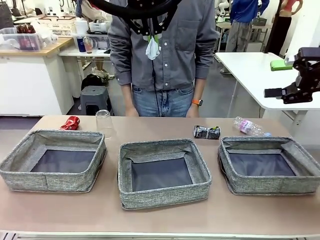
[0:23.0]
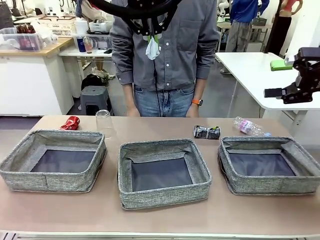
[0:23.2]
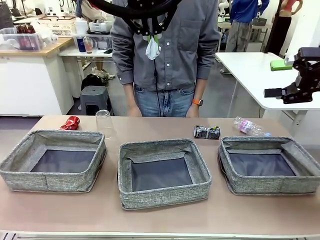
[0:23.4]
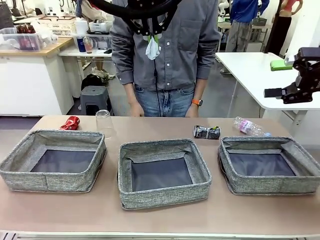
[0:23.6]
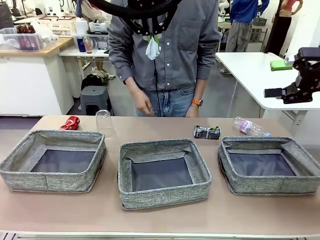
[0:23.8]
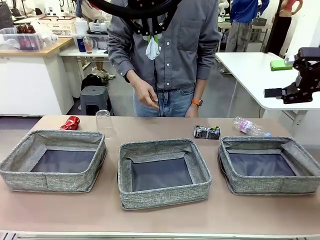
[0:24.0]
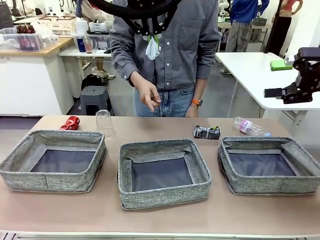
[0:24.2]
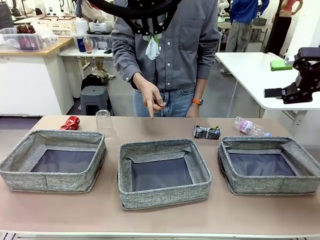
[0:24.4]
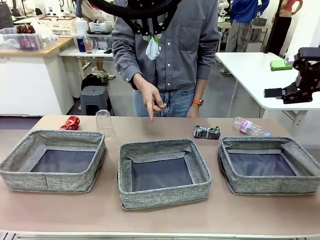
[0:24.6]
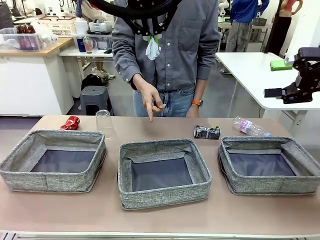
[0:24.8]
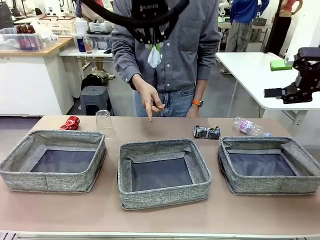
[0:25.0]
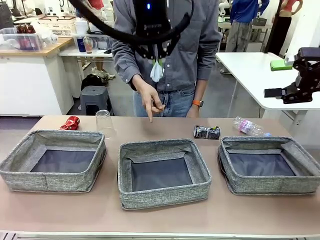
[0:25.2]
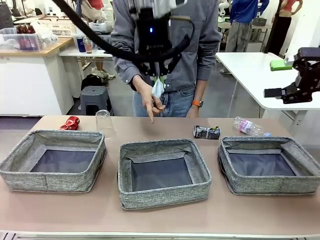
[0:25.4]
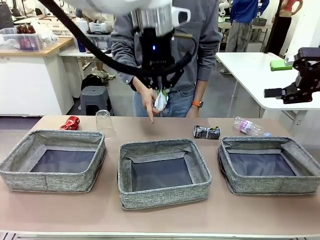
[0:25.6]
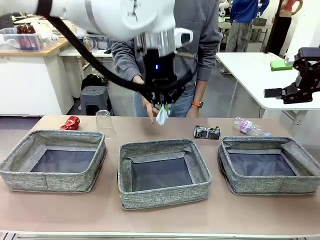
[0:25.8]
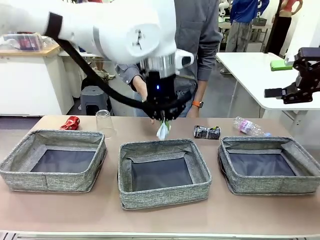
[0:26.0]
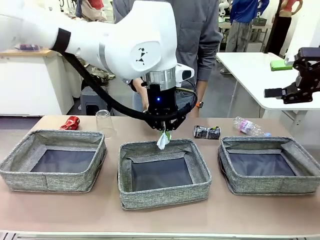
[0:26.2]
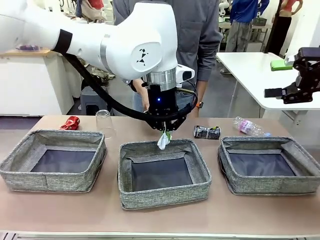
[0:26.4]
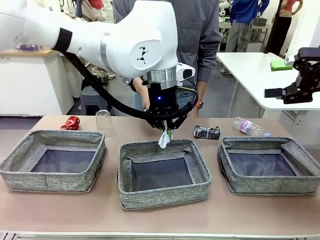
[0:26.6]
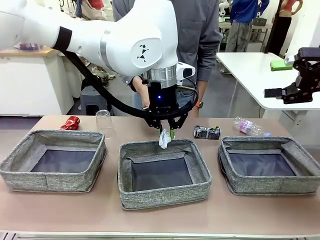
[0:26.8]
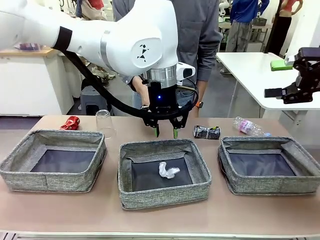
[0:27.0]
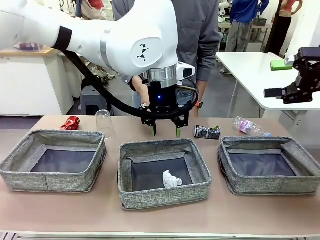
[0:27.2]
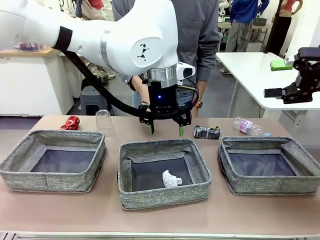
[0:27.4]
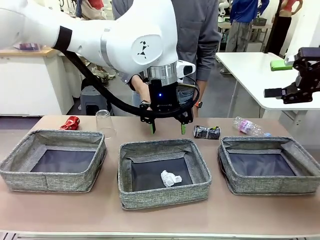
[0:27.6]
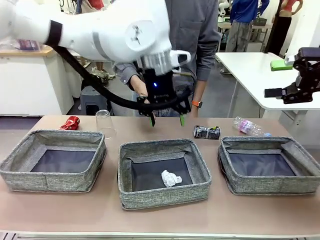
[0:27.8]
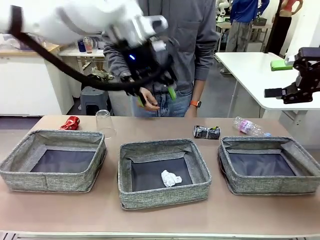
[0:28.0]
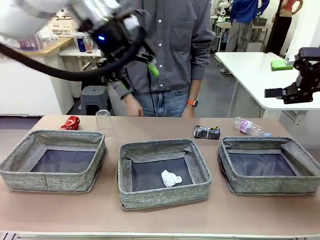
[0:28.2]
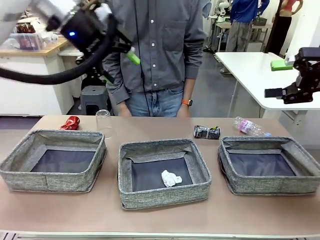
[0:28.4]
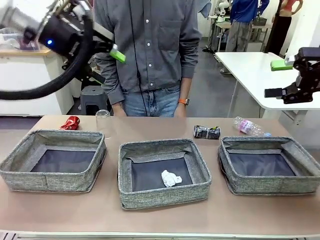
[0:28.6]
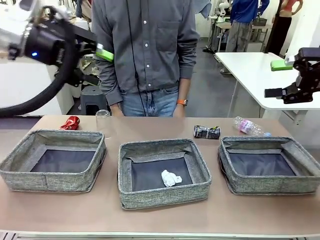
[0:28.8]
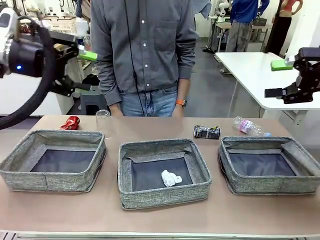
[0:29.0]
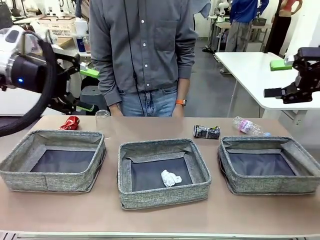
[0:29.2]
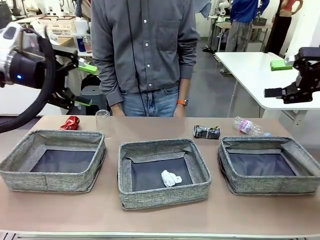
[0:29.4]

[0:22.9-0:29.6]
Task: Sort the waste into the appropriate baskets.
Robot: Place the picked waste into the Fabric basket indicated by the person.
Person: Instructs the robot to place the picked-up trash into the appropriate organizing basket.

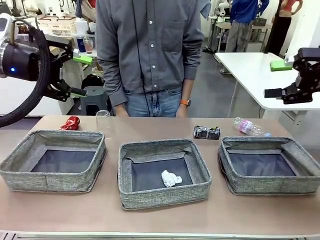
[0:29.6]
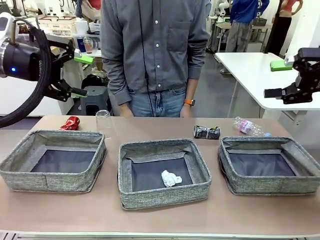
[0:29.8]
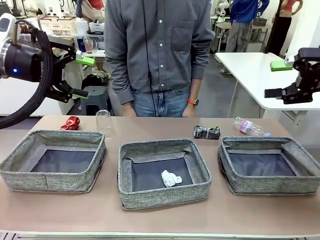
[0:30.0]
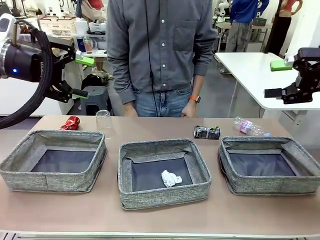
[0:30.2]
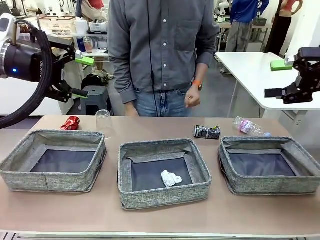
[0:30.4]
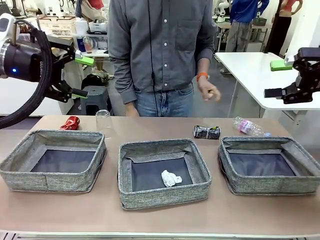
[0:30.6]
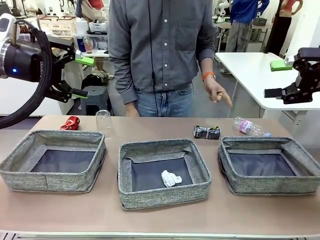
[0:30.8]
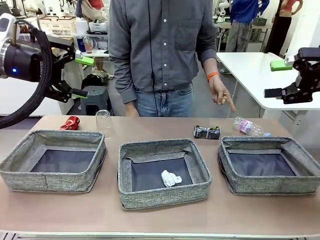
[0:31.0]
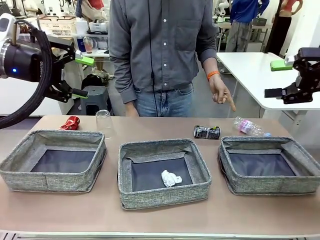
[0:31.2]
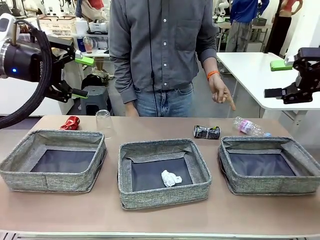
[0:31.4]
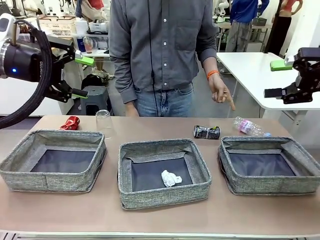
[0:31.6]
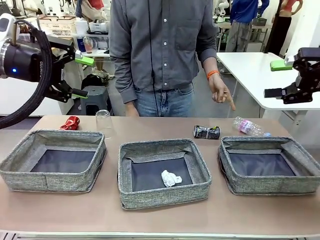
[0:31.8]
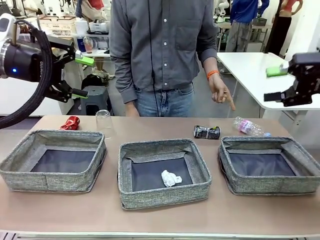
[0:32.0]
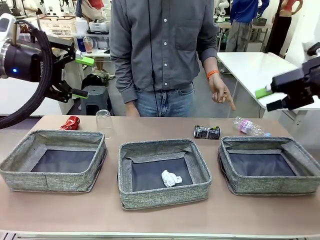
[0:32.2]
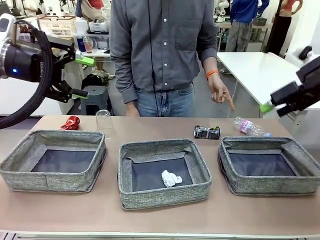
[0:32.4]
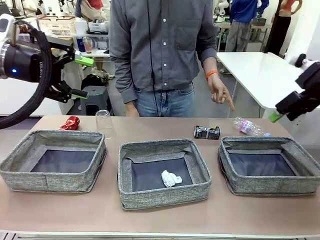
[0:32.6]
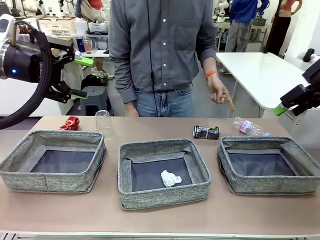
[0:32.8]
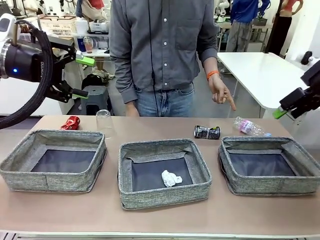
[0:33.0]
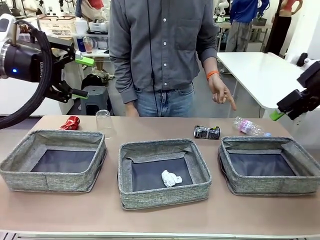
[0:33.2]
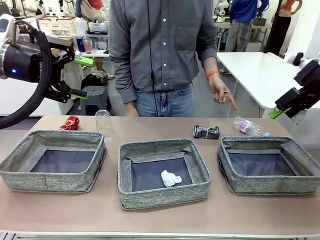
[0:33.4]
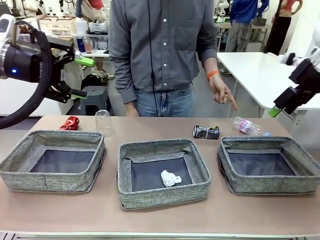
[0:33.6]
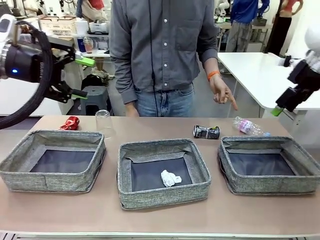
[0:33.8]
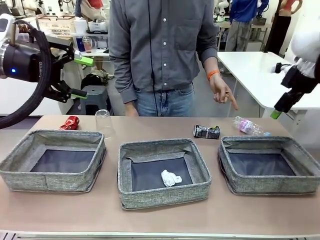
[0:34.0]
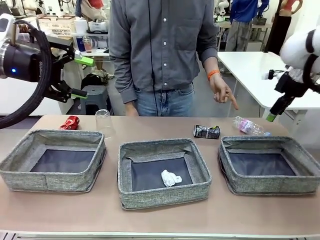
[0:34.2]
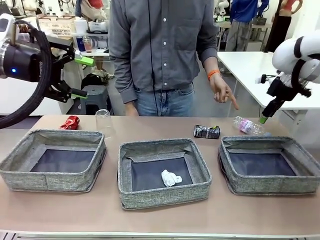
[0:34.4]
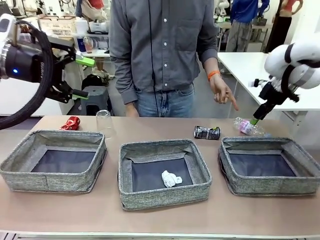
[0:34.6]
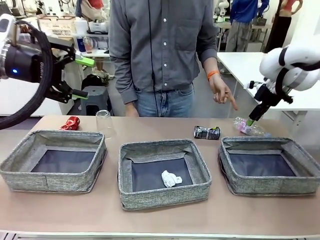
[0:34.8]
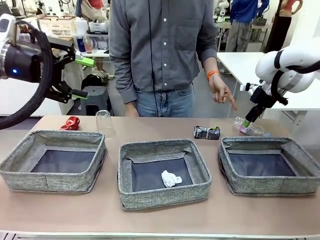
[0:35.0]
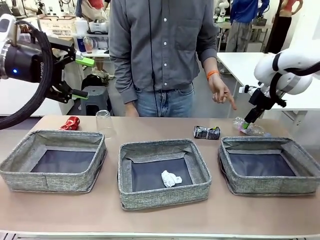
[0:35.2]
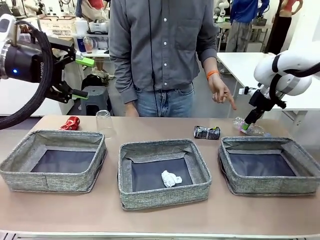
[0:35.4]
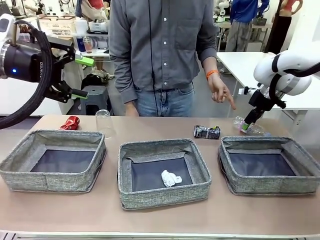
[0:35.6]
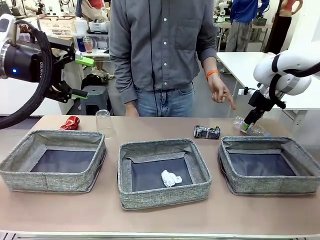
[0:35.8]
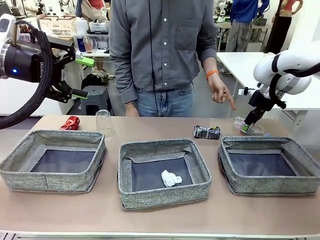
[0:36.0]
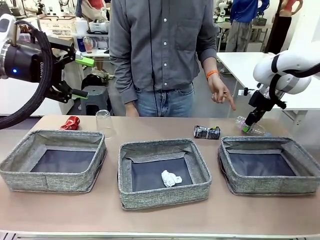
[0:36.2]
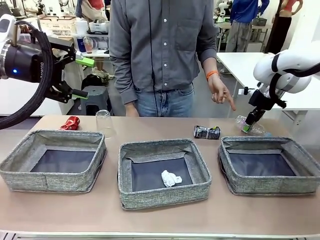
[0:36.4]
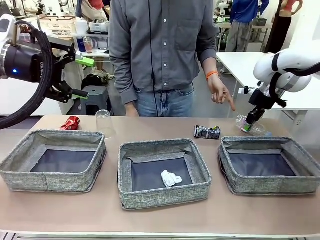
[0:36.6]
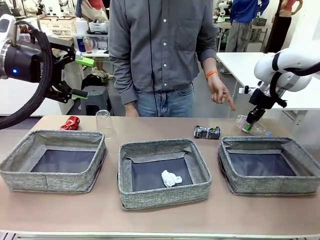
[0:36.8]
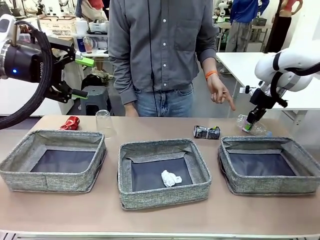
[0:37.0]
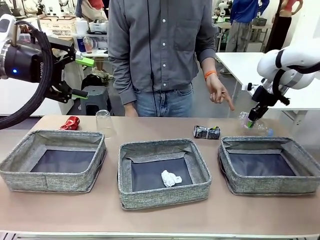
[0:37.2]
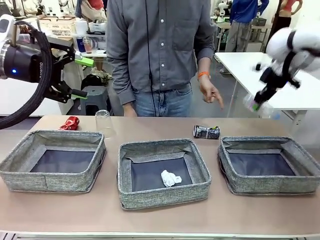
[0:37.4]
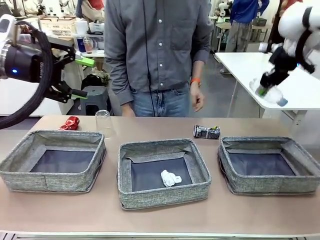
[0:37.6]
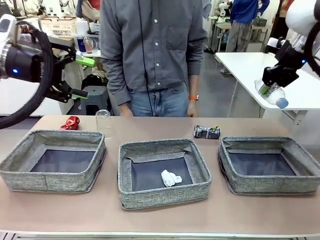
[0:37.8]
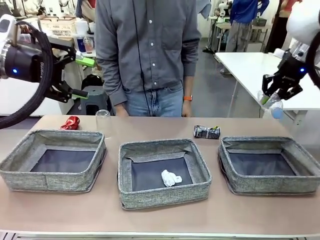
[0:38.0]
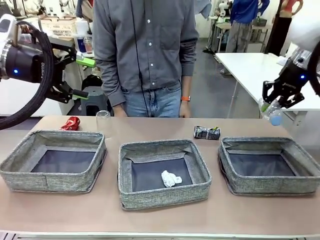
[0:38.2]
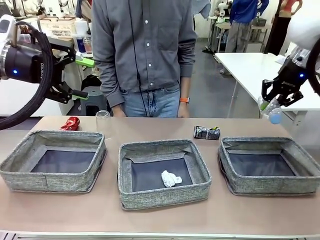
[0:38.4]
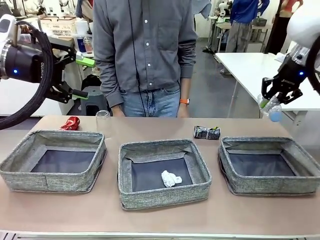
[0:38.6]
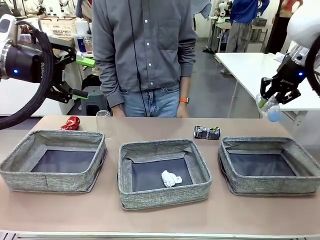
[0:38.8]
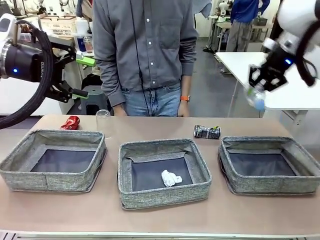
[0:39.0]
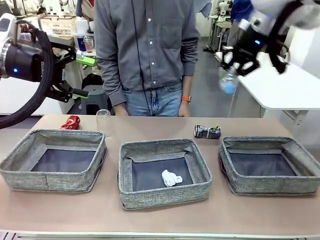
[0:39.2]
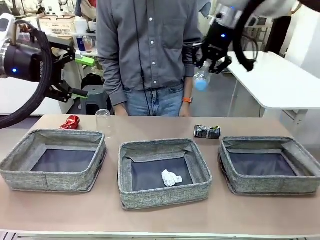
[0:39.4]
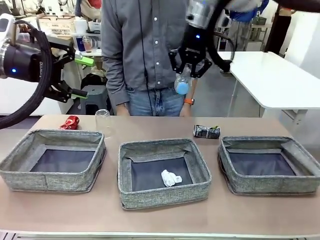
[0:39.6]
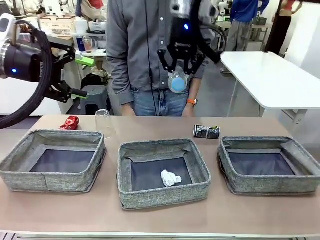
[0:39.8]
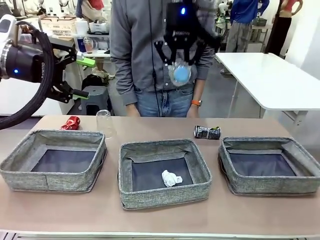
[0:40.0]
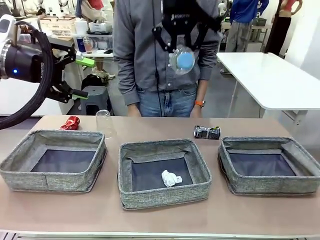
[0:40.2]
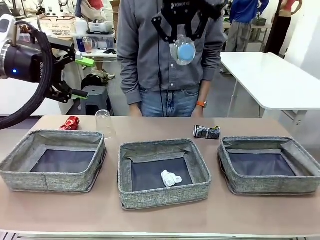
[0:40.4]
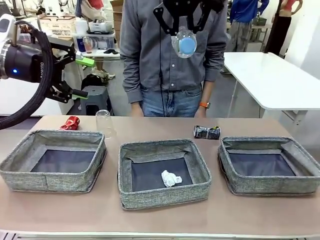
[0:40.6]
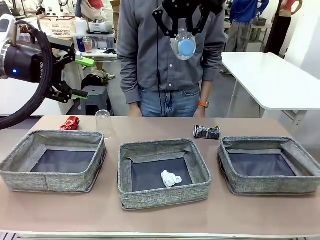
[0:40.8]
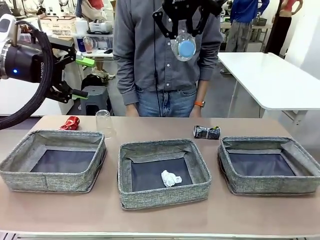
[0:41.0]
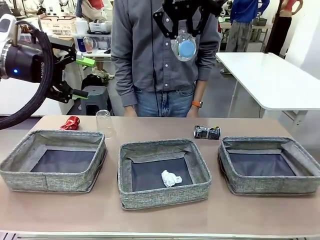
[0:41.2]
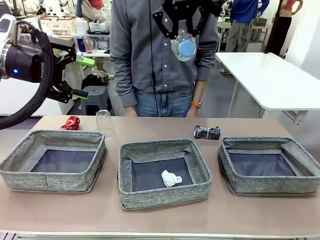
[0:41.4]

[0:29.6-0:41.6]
Robot: Pick up the waste item pointed out by the person.
Person: Points to one piece of trash on the table.
